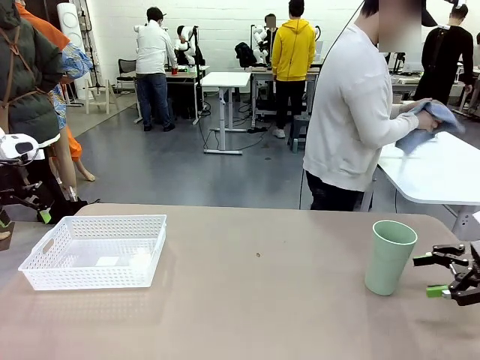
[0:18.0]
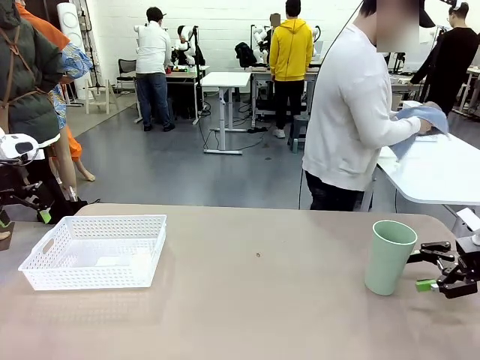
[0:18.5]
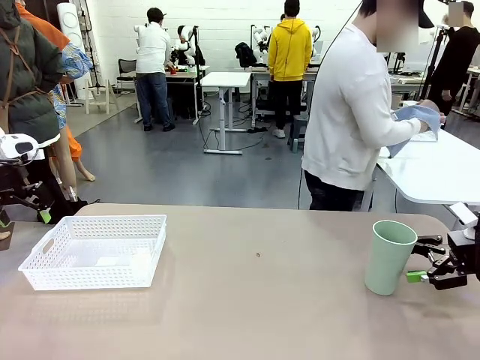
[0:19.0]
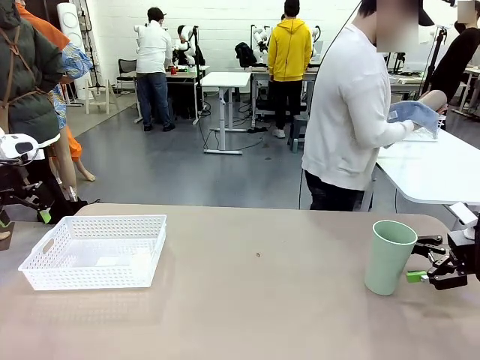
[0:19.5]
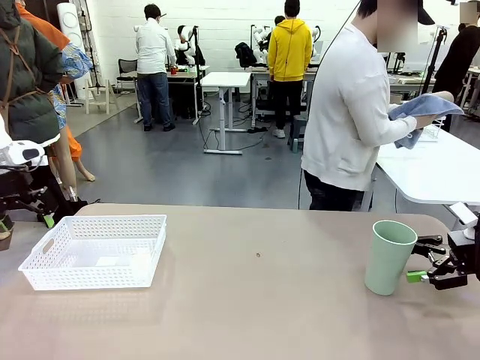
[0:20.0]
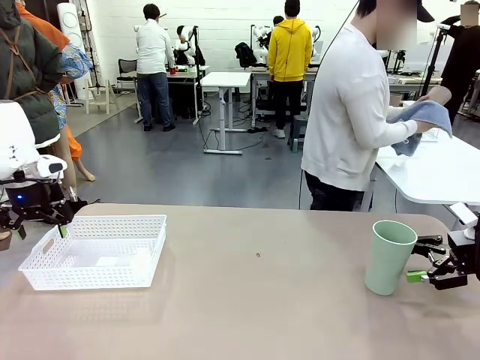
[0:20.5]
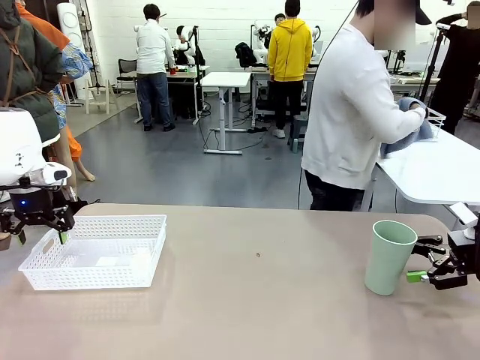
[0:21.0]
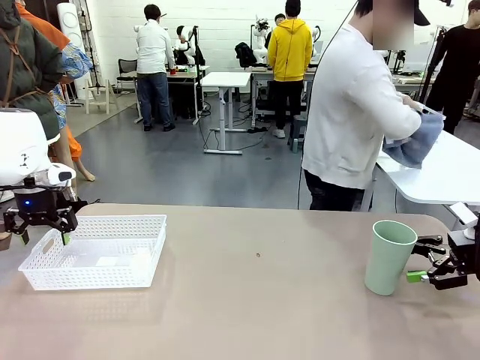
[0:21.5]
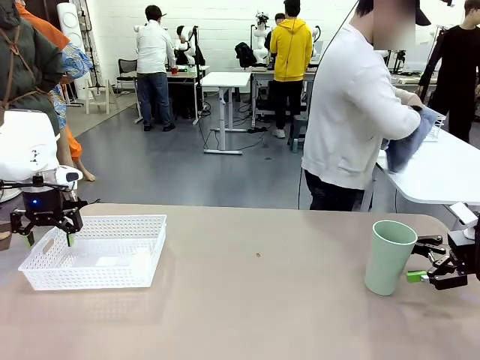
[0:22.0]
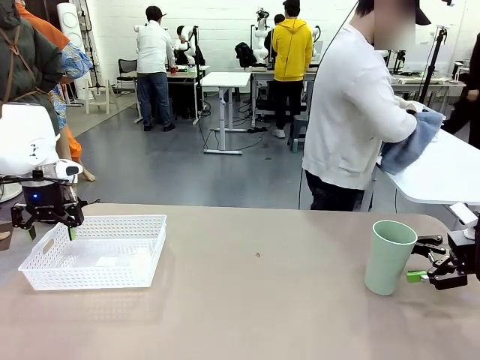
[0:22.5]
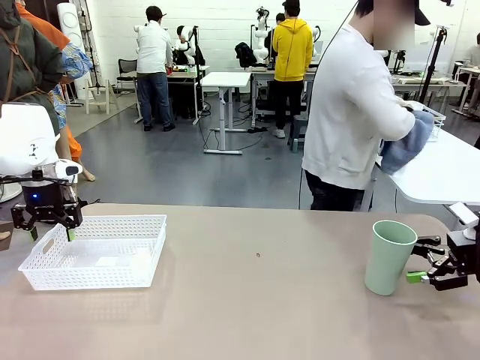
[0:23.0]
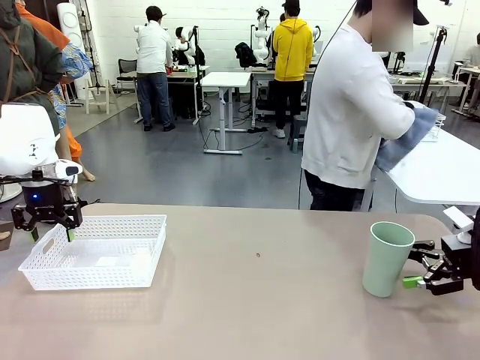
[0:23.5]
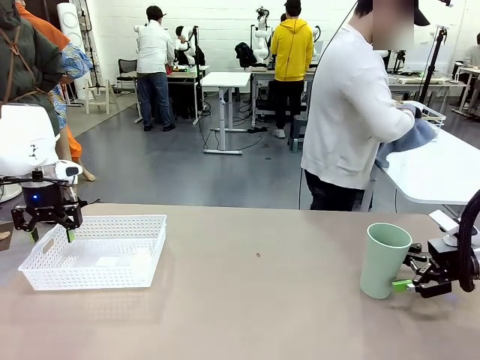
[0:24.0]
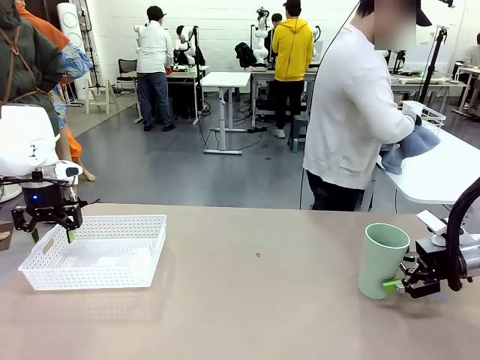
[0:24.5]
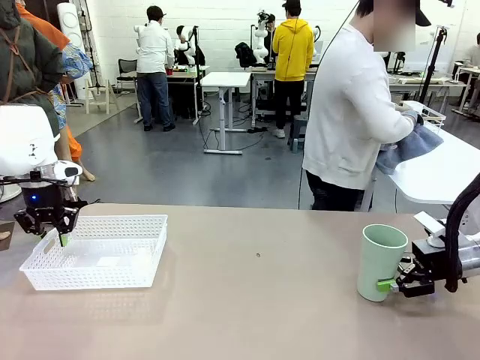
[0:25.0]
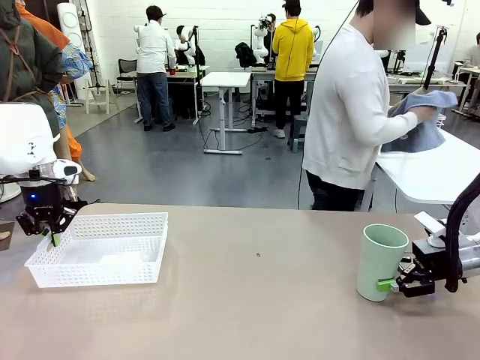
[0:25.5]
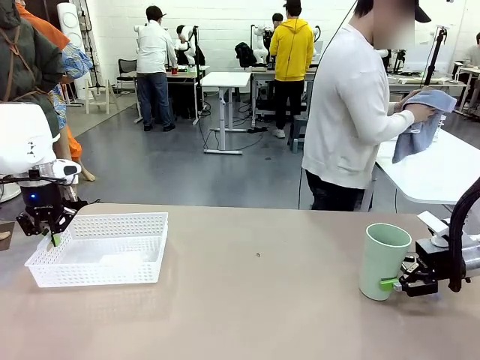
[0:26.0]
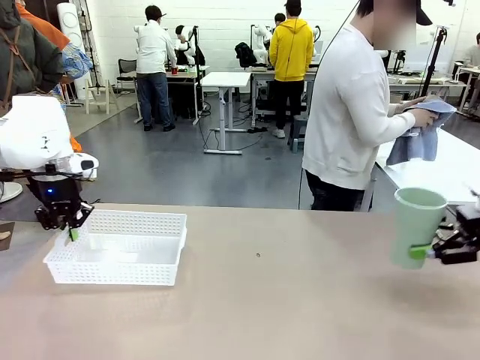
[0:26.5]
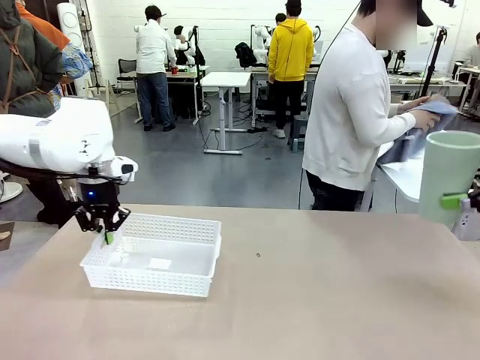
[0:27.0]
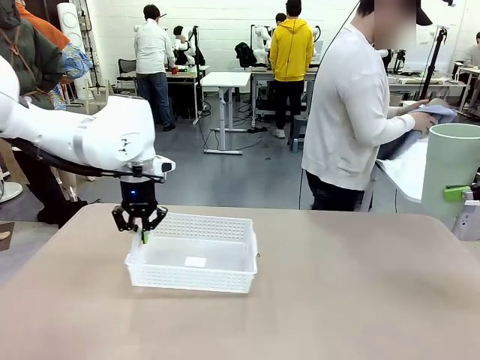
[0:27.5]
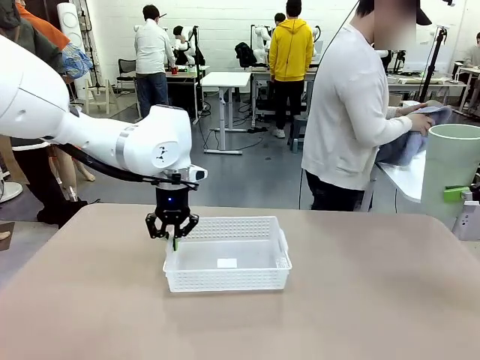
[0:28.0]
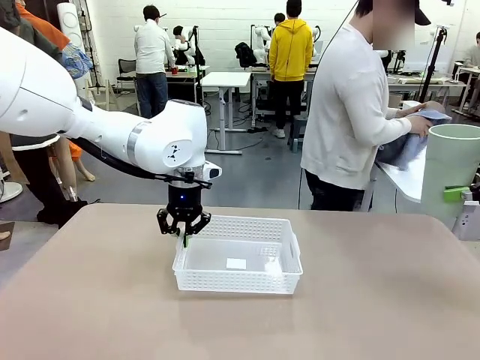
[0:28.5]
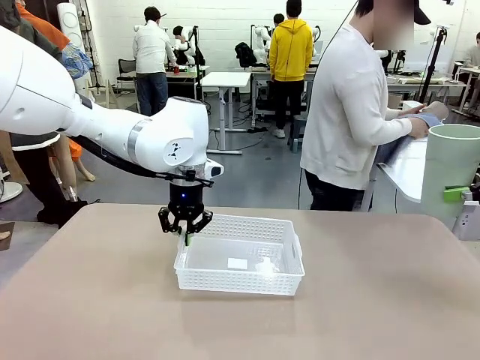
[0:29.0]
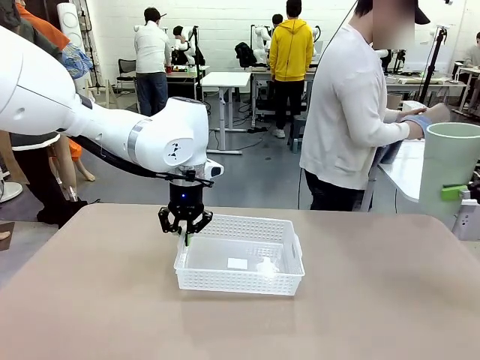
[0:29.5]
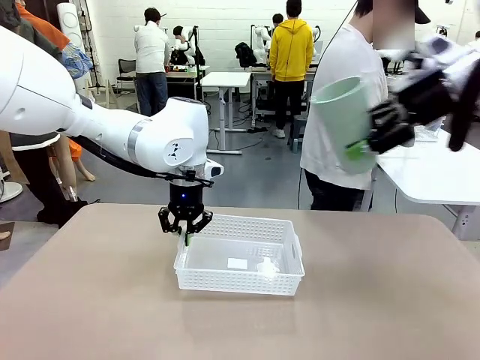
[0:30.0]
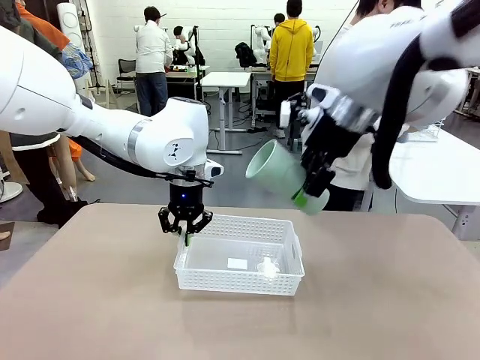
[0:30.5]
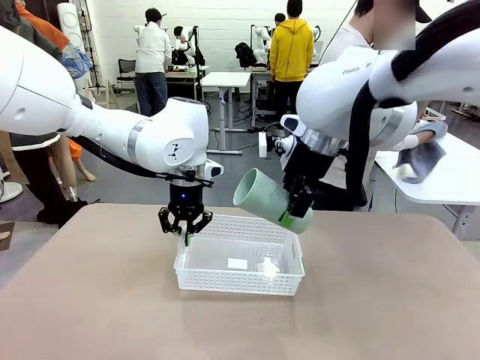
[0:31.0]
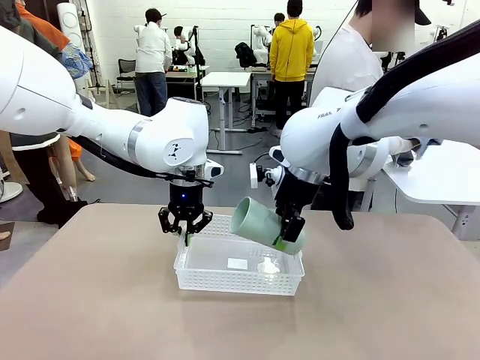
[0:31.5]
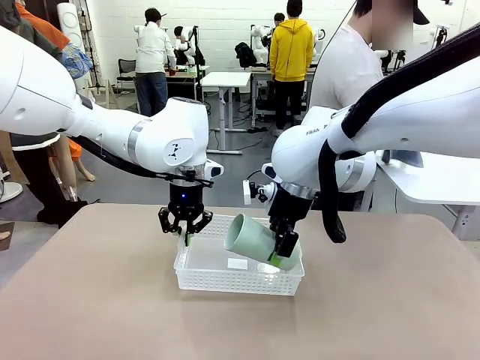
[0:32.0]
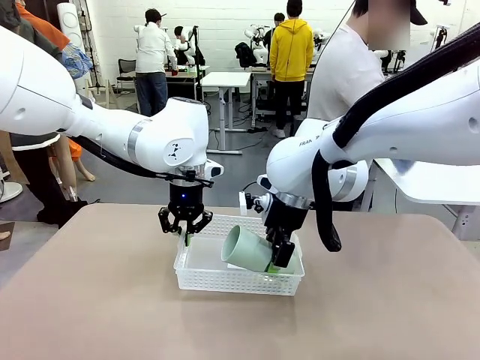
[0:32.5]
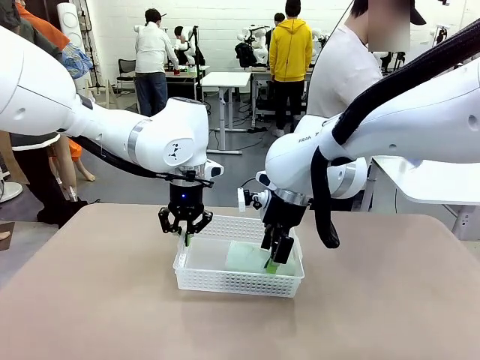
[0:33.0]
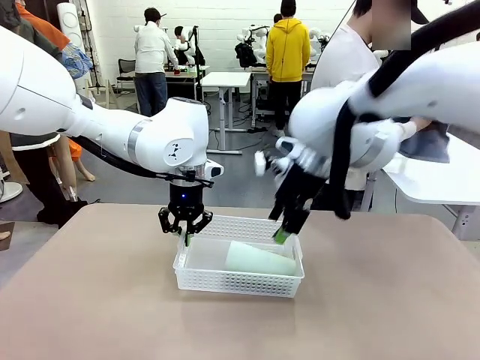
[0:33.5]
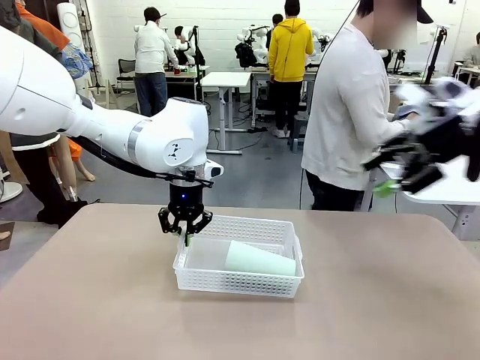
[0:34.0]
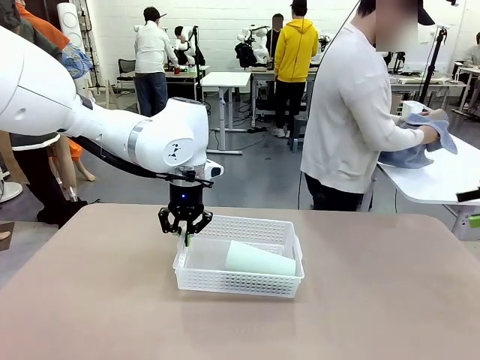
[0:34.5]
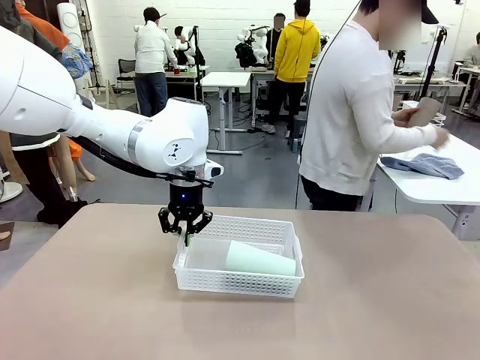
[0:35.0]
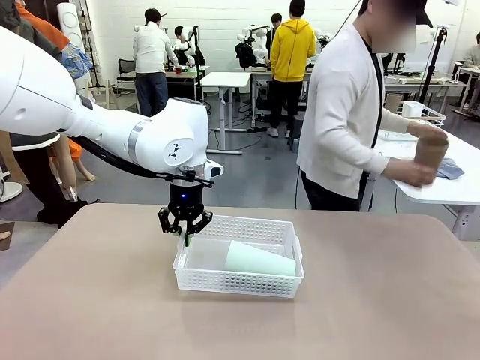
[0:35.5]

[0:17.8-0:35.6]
Task: Clean and organize the cups into the basket.
Robot: Pick up the Organizing basket and move it to the center of the table, then pick up the Reusable plastic cup from the right side of the table and place it inside the Organizing basket.
